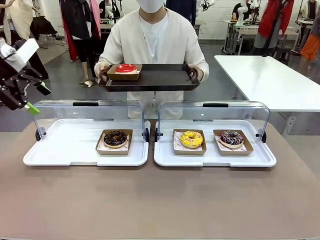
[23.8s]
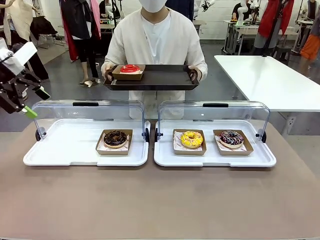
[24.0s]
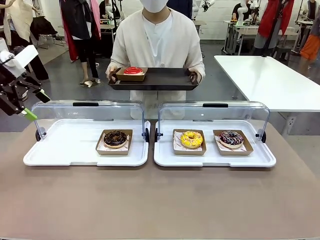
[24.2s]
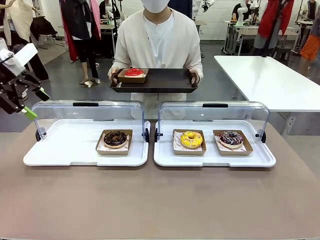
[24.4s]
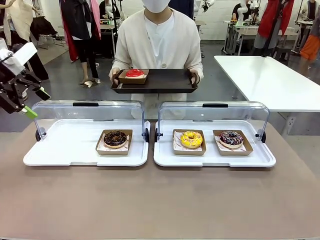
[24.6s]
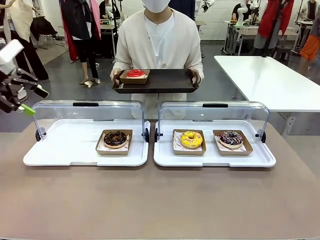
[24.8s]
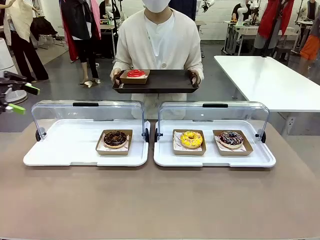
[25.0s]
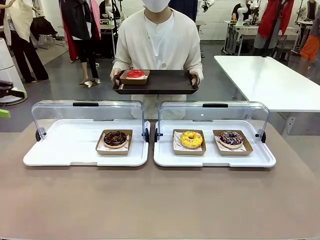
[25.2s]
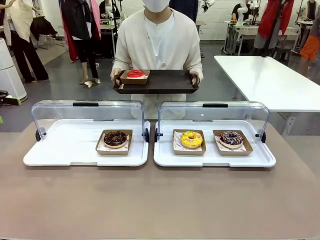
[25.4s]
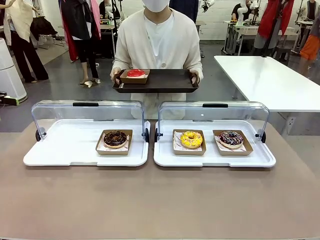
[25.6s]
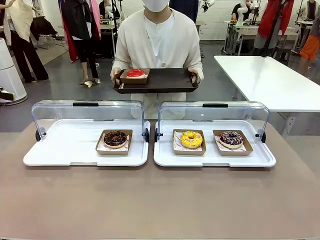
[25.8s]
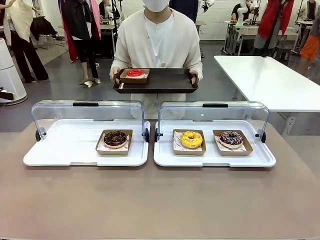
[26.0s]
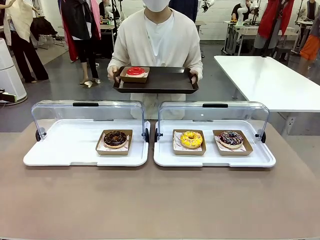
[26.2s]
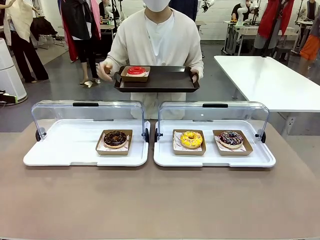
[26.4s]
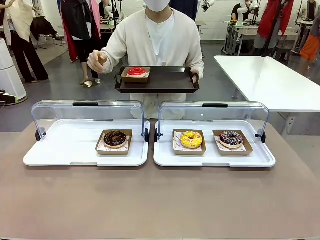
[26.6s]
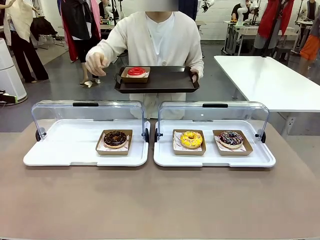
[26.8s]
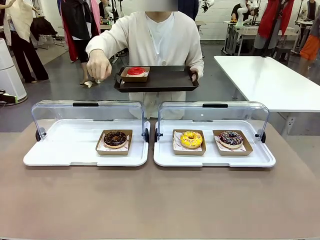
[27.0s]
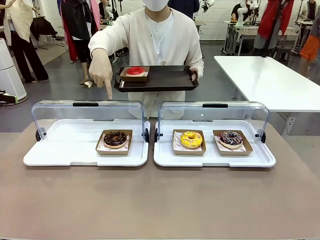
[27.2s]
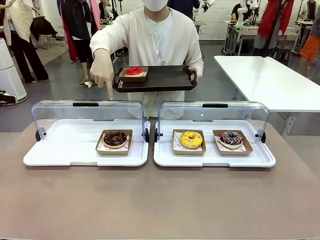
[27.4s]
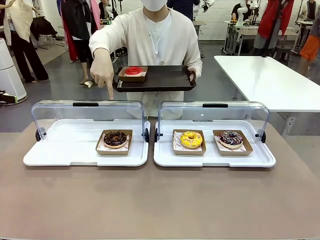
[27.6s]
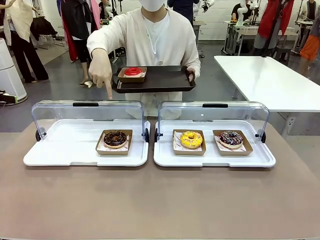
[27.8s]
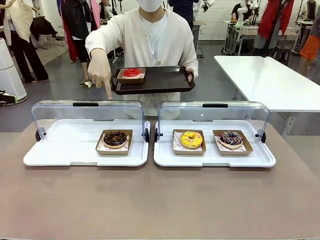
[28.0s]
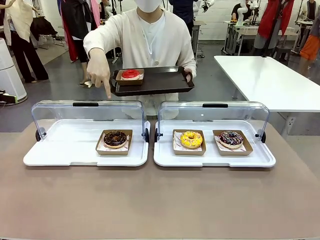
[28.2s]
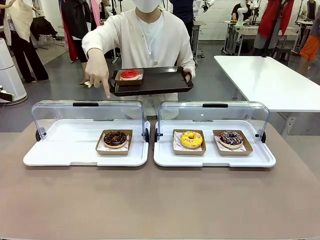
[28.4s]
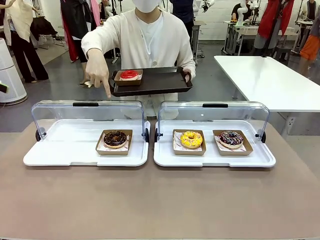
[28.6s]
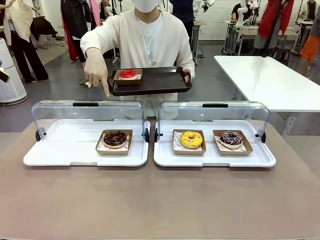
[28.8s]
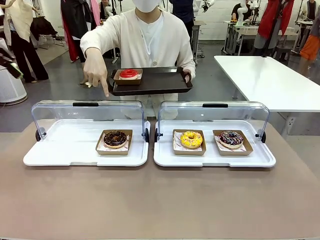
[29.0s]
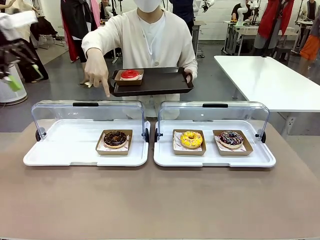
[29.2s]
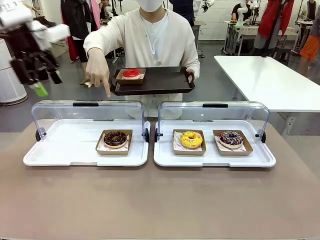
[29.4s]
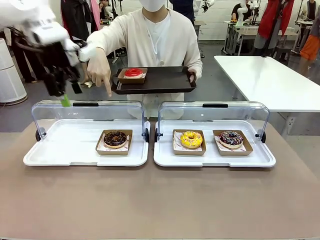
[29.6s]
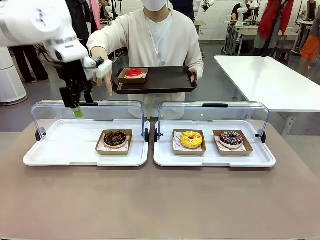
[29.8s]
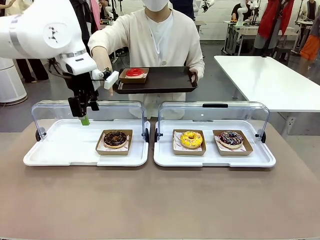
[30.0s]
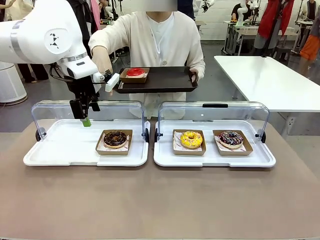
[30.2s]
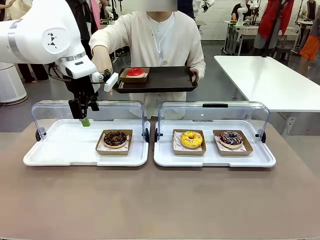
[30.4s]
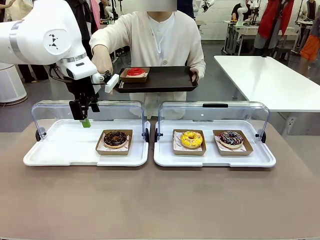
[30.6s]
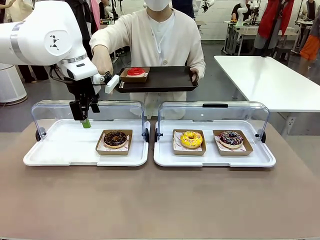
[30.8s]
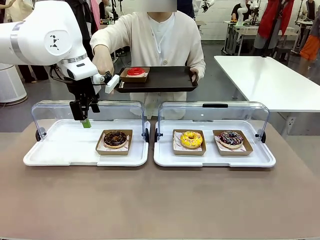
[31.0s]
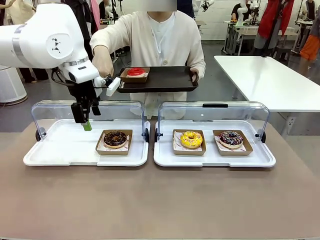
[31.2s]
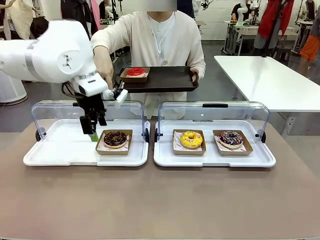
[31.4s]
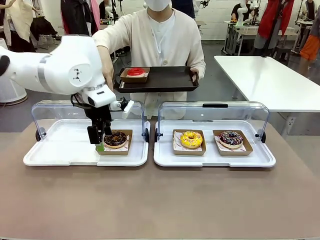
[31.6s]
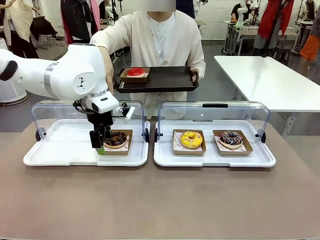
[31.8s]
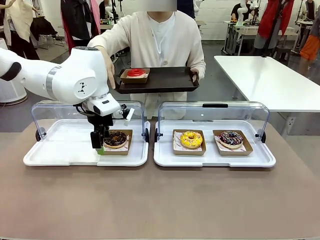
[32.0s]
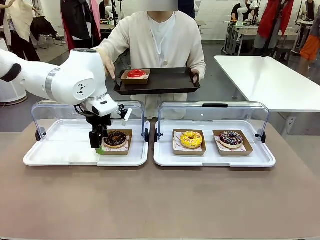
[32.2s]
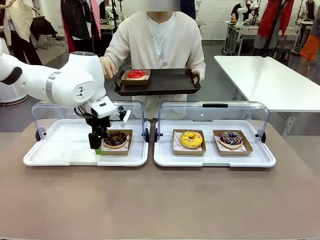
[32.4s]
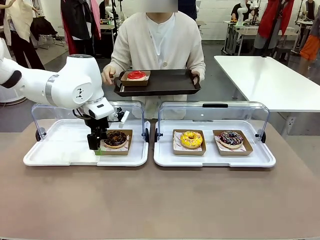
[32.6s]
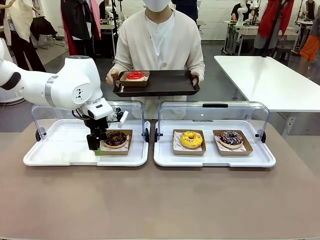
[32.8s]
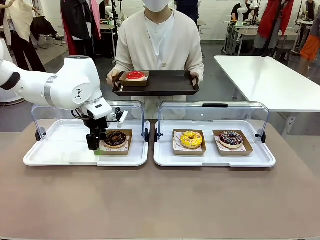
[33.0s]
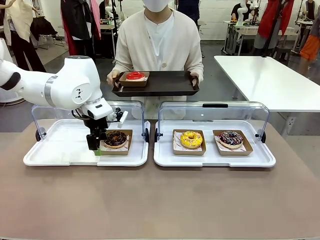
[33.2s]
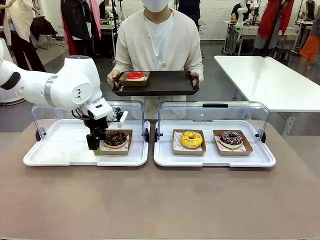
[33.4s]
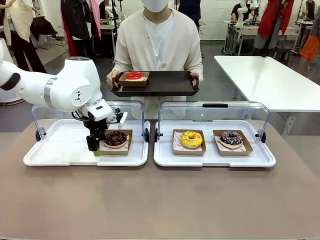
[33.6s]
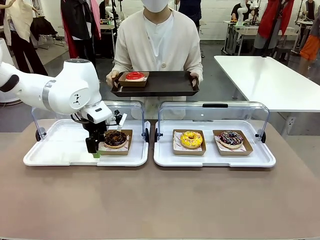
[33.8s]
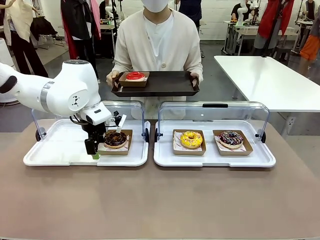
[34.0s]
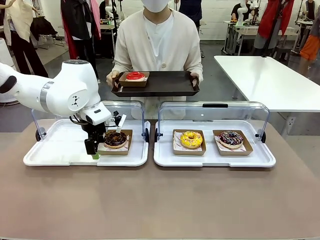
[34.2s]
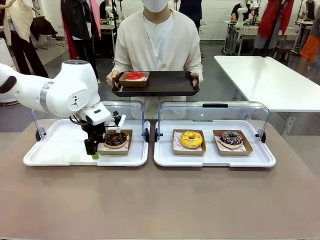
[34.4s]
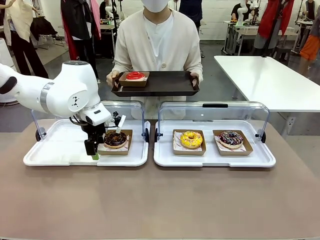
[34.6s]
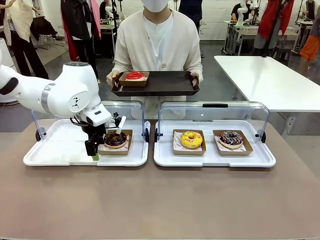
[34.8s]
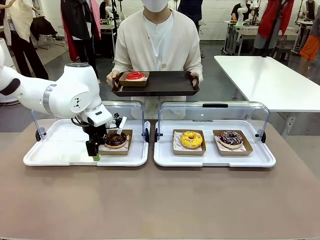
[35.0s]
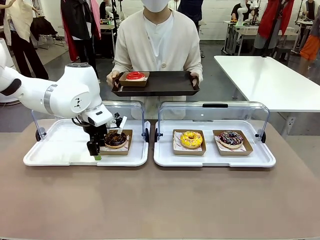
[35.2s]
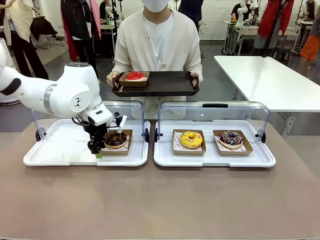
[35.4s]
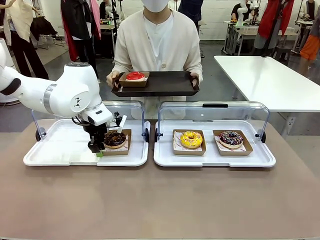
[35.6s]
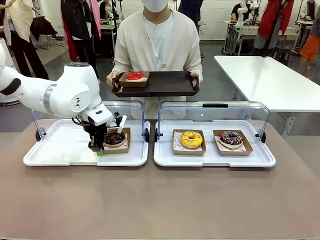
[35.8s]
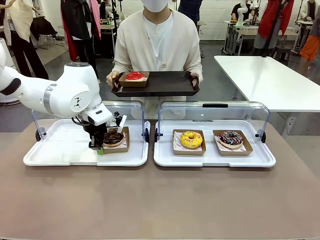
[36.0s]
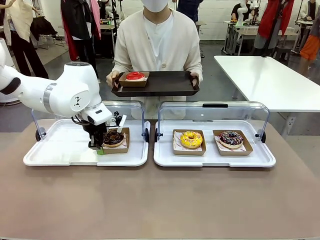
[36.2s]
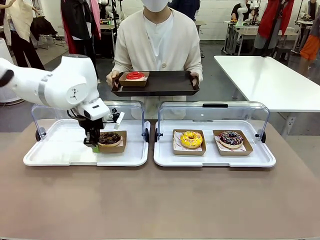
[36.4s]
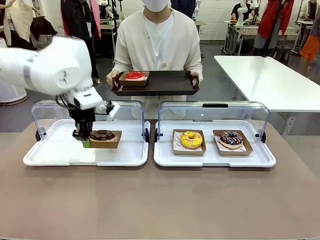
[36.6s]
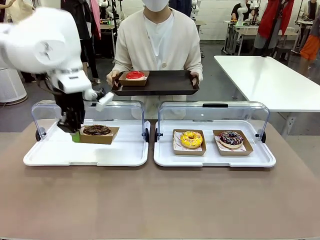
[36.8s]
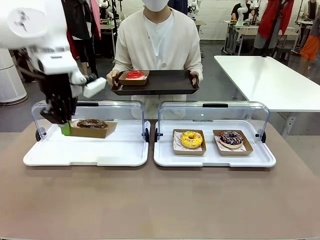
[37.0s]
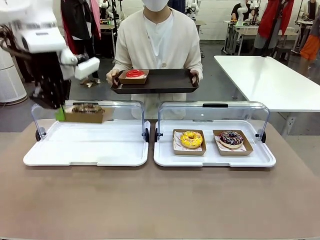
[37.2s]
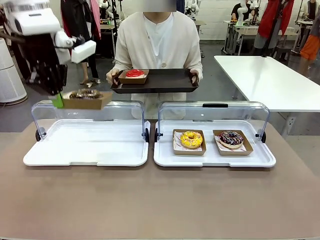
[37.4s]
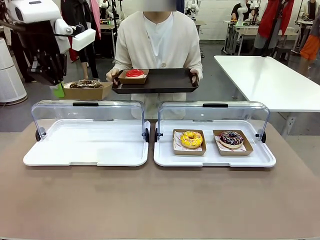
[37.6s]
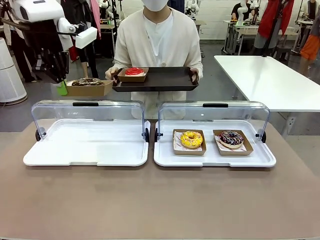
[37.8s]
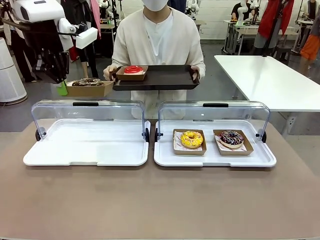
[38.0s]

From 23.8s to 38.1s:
Task: Provide the desired donut to the person.
Robot: Pick up and lift the Paper togo box containing the Donut pointed at by the person.
Person: Point to one donut. Lift the tray onto the Roll-Top Bakery Case.
